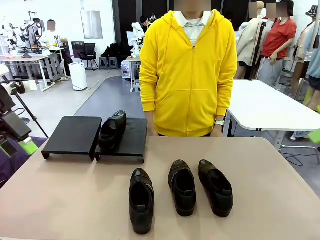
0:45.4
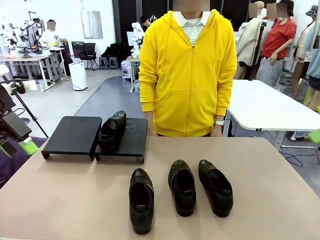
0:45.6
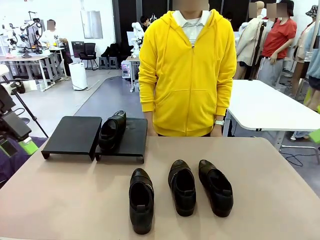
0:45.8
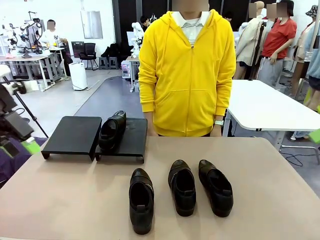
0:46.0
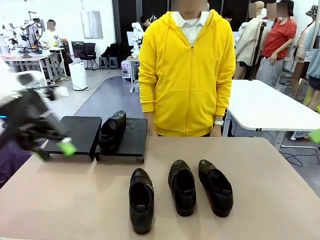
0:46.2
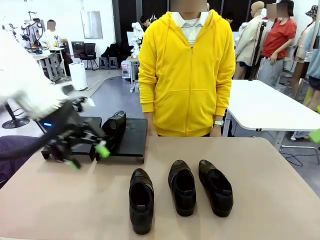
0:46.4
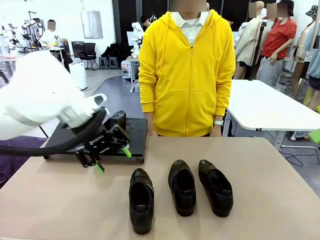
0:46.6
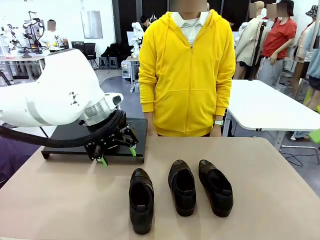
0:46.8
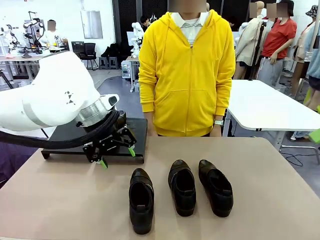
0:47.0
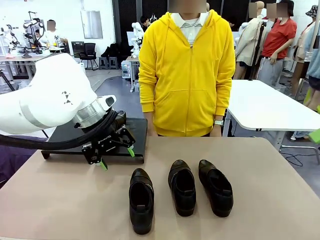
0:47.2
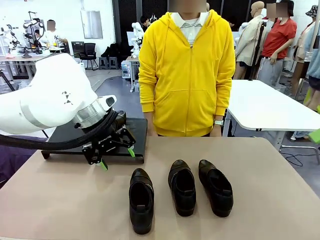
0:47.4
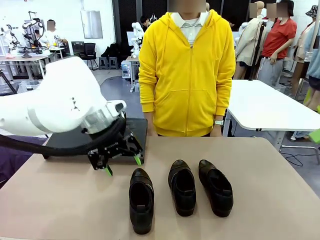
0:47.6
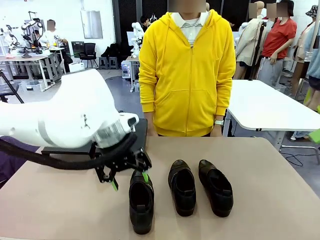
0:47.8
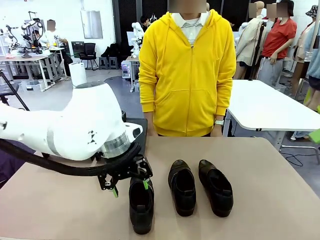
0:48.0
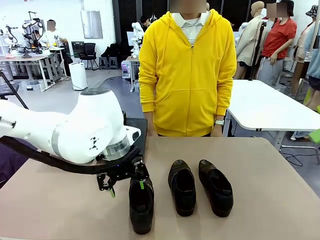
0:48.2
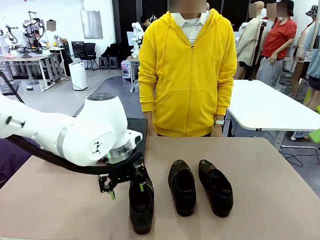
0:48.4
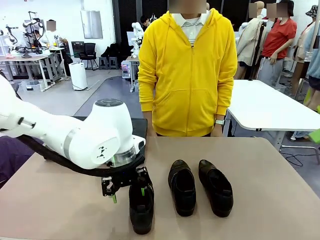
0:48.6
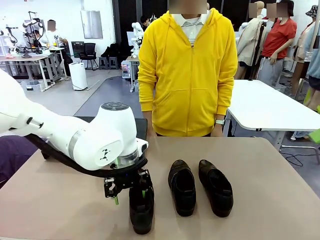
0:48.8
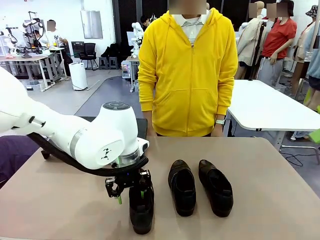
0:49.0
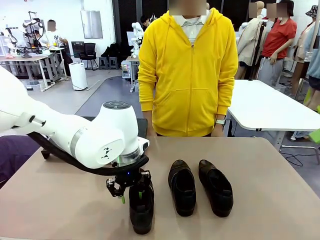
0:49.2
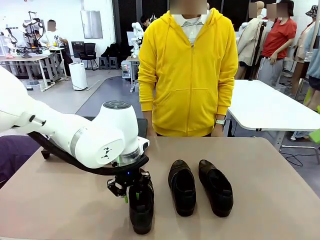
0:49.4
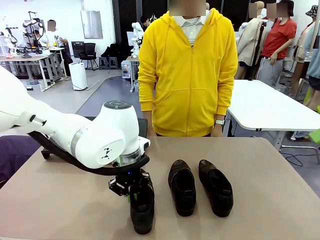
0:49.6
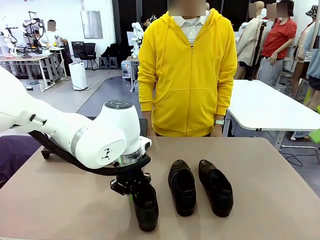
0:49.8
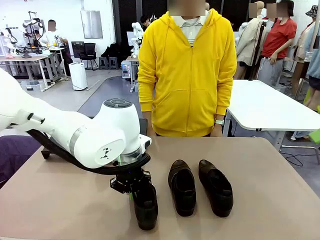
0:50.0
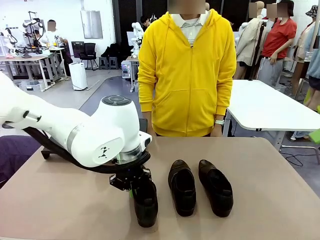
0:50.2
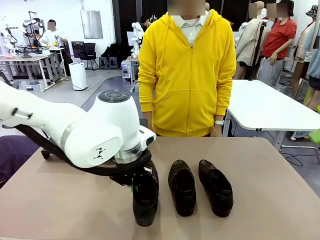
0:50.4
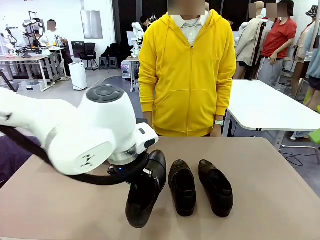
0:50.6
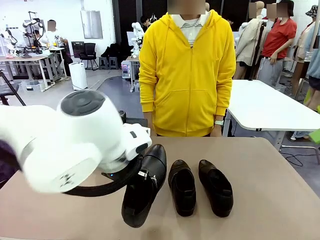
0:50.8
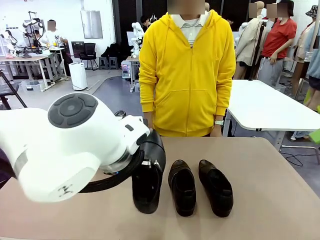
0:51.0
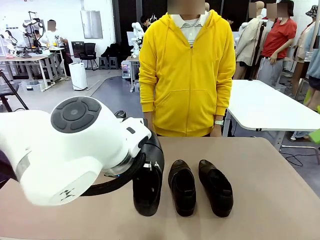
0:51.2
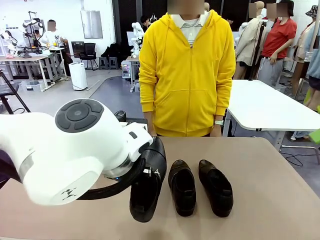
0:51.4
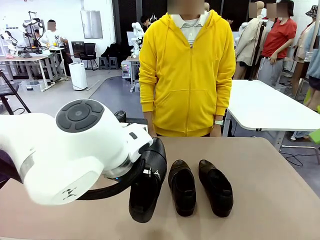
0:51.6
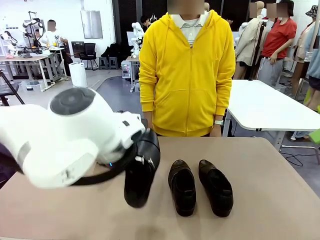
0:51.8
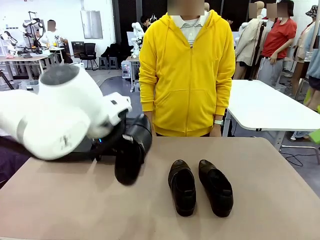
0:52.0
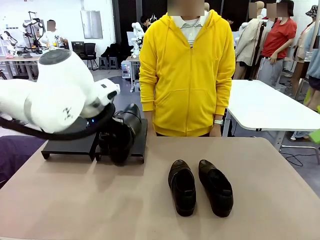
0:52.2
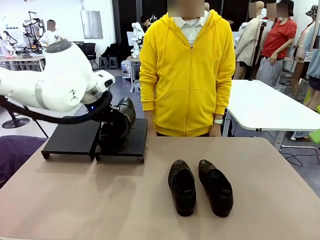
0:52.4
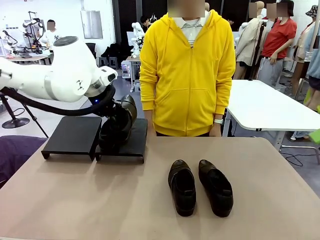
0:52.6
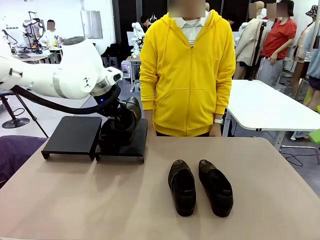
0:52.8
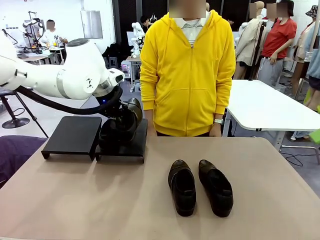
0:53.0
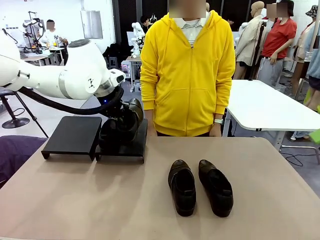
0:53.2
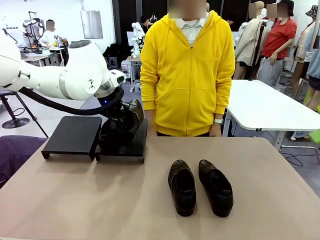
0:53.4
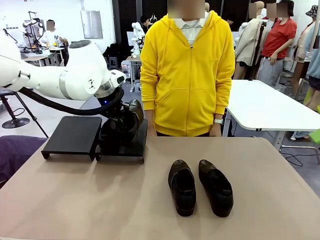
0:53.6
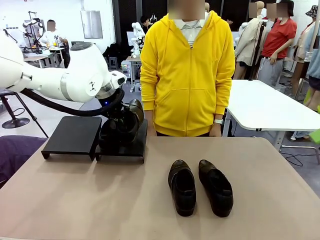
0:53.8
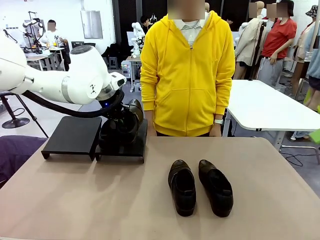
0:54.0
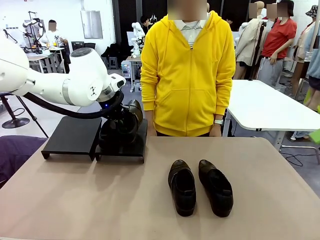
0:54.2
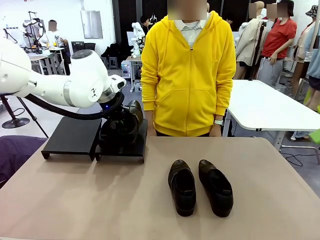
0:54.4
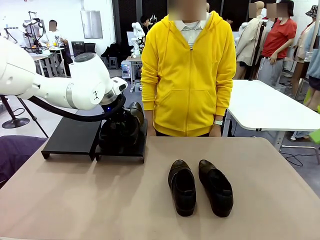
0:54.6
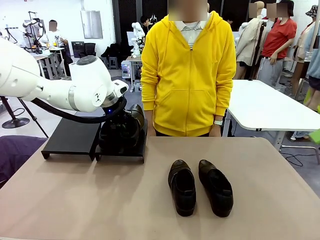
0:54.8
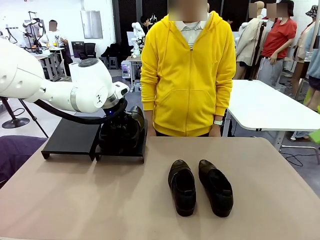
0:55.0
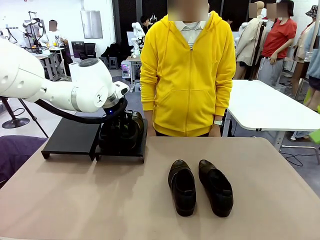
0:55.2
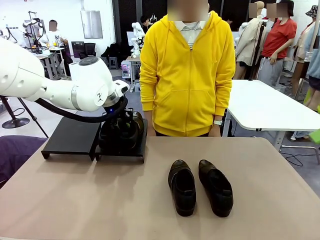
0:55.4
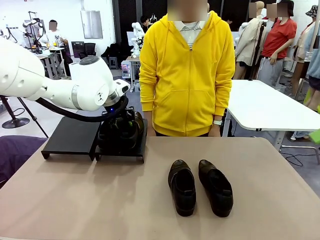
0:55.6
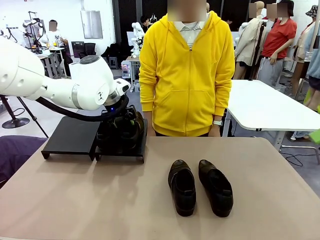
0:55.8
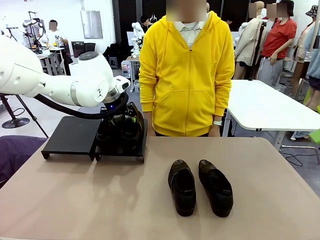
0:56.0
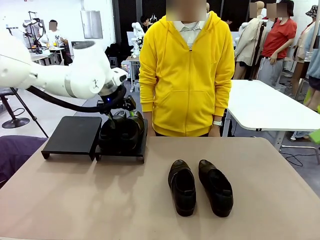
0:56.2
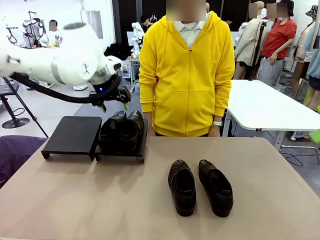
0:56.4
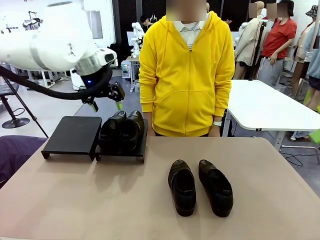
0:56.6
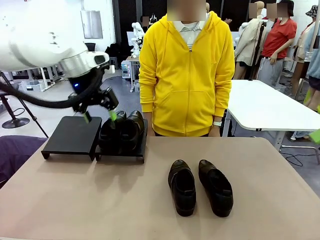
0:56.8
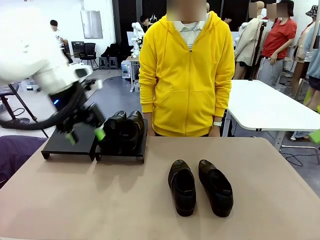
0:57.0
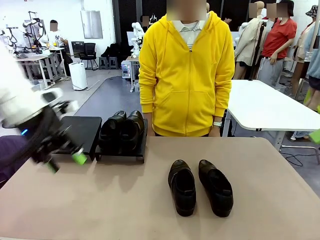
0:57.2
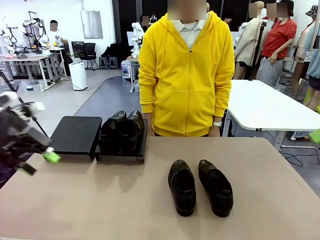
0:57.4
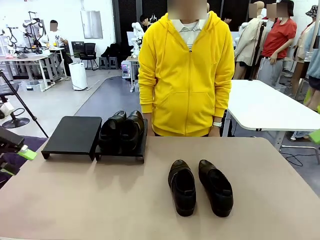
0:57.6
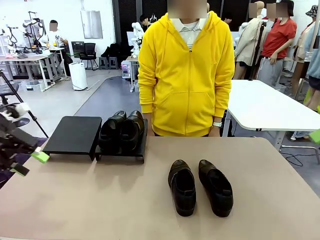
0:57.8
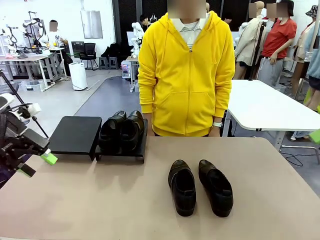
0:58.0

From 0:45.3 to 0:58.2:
Task: Organize the shoes by placing them on the stand.
Robot: Place the Shoe from the middle of the table onto the Shoes Stand.

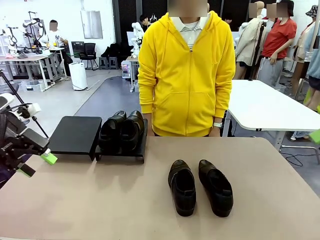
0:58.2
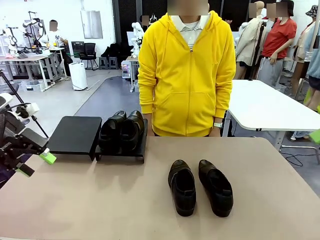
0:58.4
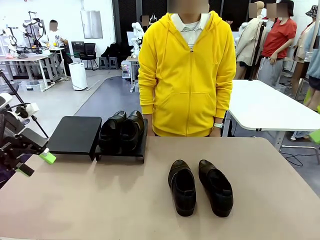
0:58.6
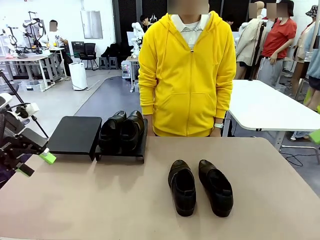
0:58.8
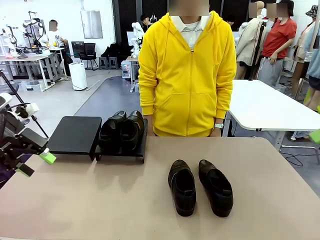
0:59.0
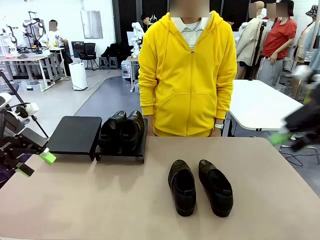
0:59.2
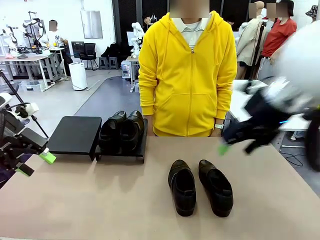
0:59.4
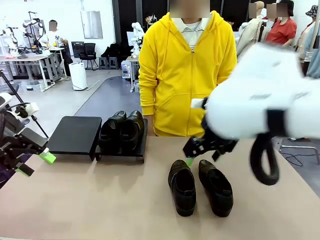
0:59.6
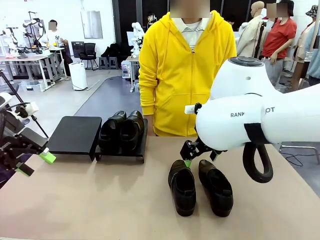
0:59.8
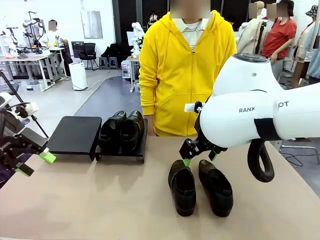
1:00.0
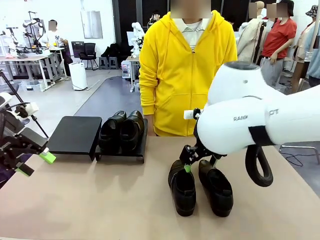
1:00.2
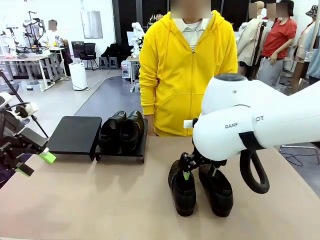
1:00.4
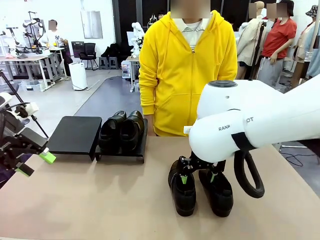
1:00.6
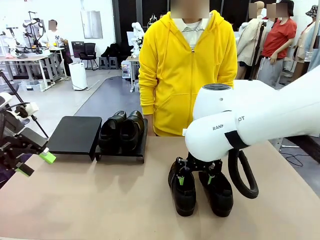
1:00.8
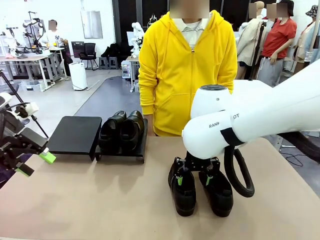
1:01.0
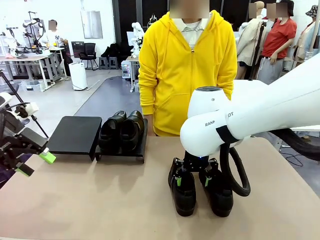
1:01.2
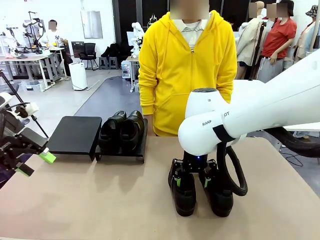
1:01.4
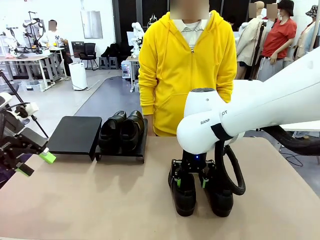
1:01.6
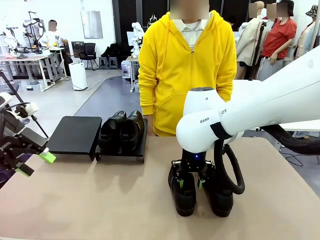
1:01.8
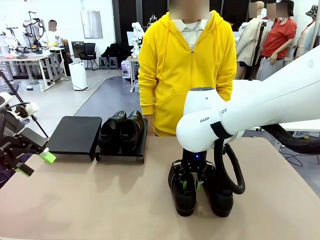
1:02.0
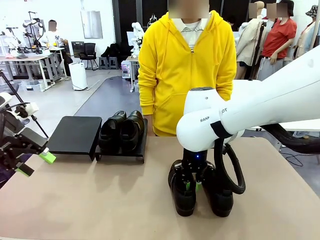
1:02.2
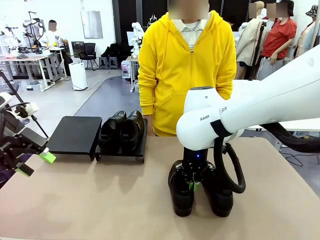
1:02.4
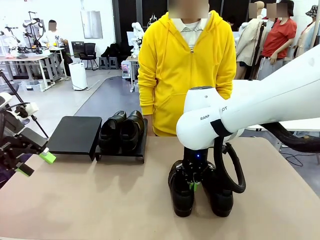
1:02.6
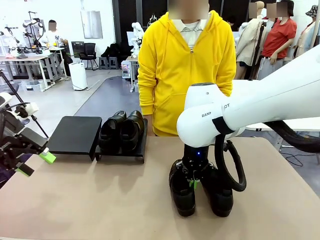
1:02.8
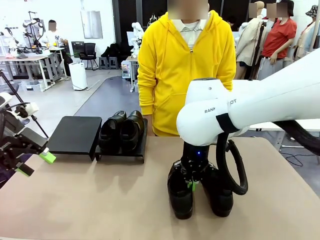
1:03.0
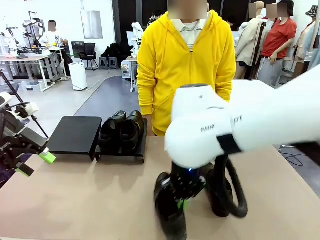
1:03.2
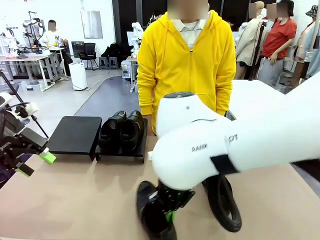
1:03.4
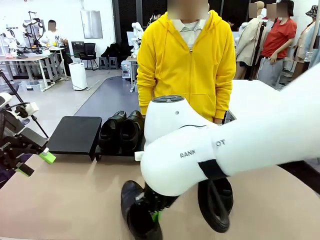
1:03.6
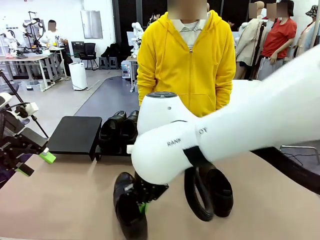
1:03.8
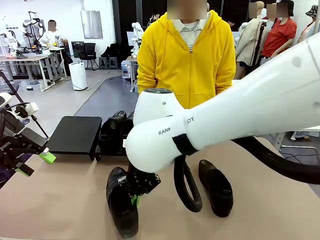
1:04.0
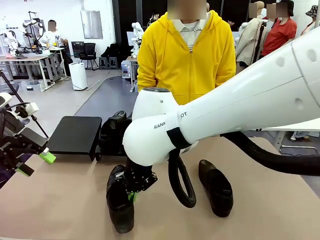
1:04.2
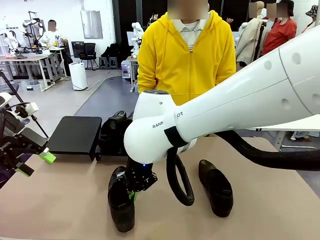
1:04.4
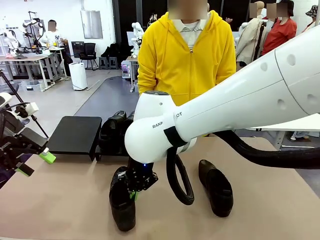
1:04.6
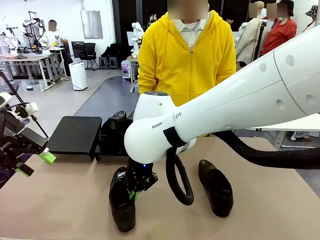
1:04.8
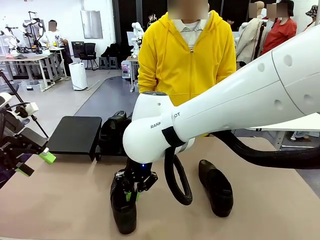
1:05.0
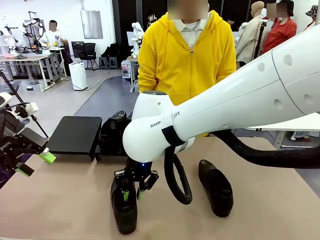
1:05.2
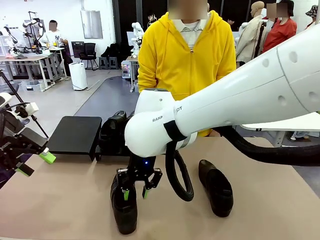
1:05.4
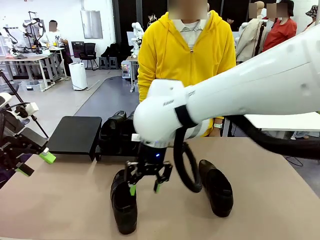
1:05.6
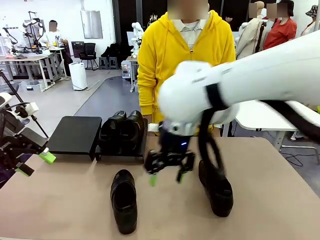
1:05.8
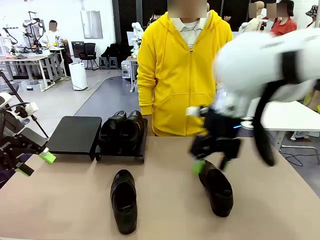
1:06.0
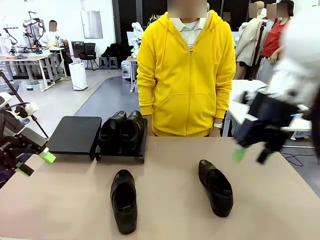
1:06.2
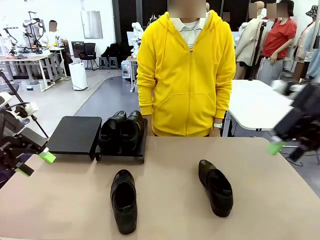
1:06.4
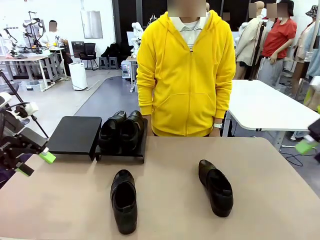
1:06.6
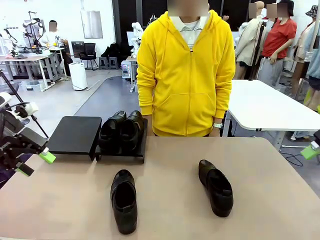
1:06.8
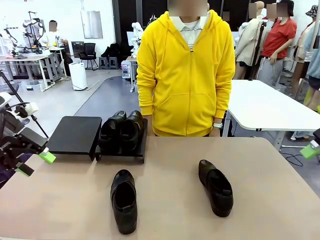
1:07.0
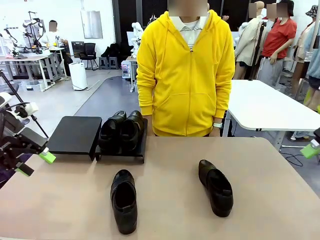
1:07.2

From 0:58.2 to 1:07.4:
Robot: Pick up one Shoe and place it in the middle of the table.
